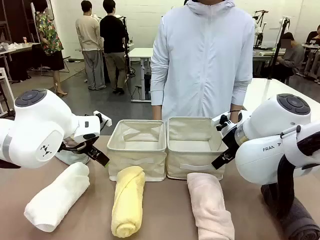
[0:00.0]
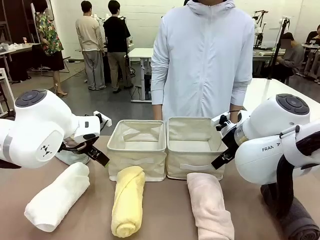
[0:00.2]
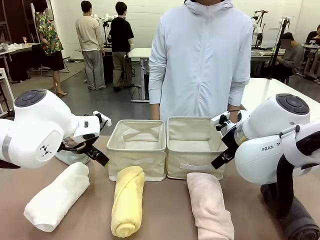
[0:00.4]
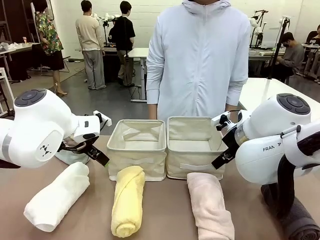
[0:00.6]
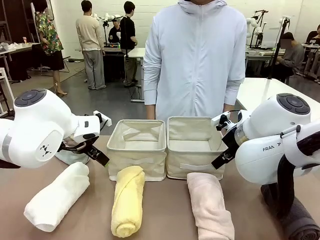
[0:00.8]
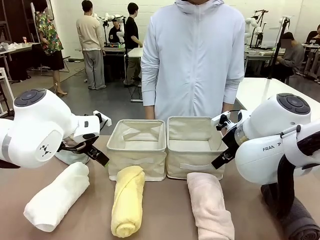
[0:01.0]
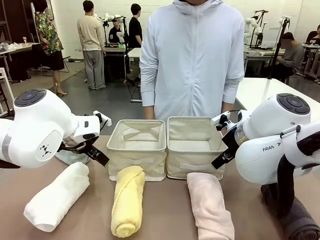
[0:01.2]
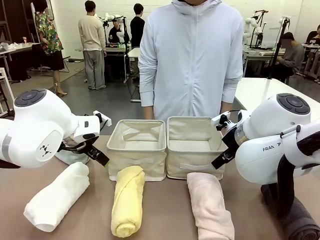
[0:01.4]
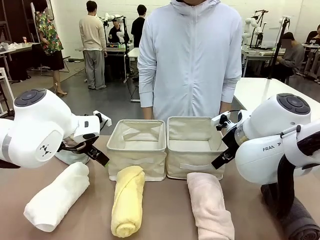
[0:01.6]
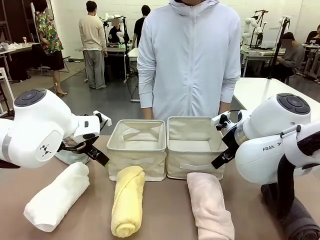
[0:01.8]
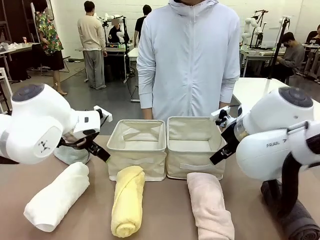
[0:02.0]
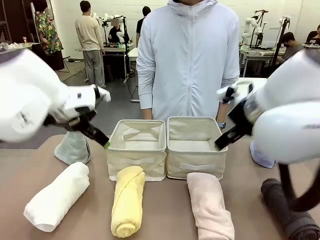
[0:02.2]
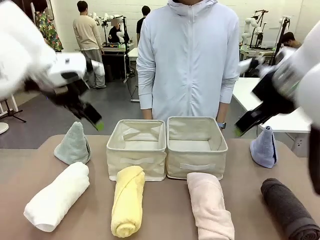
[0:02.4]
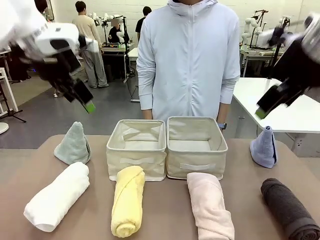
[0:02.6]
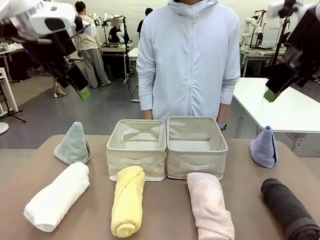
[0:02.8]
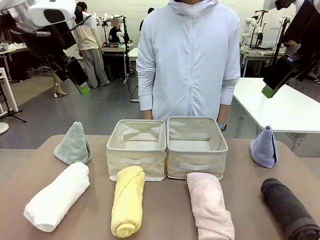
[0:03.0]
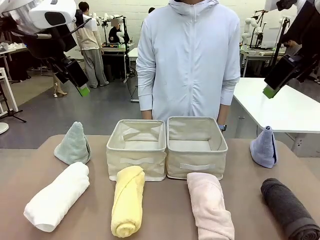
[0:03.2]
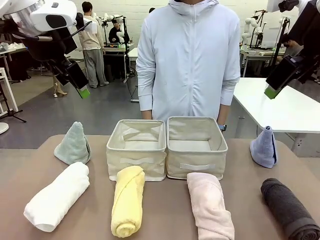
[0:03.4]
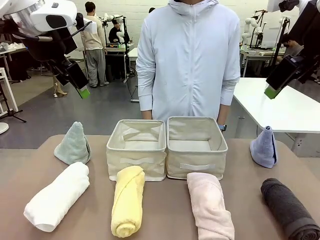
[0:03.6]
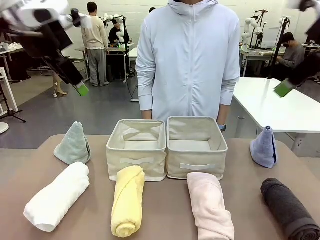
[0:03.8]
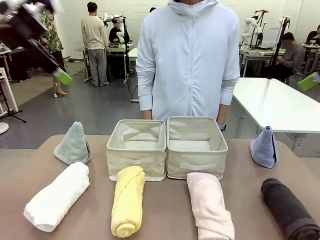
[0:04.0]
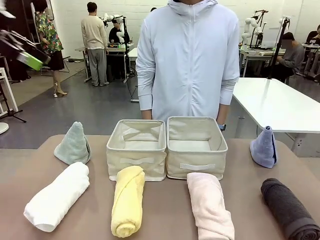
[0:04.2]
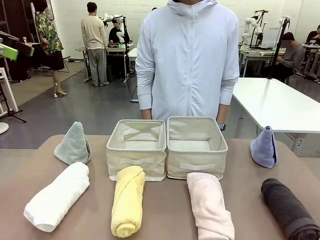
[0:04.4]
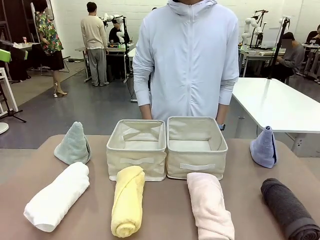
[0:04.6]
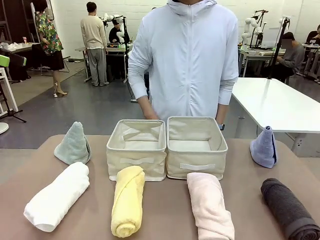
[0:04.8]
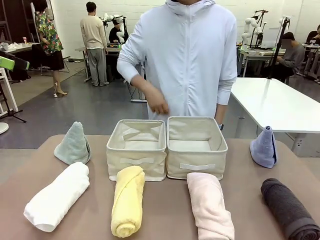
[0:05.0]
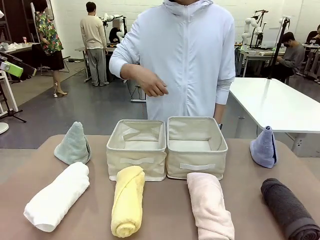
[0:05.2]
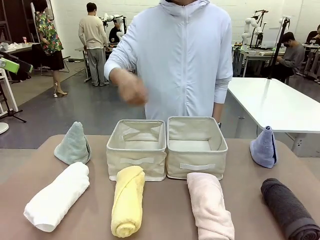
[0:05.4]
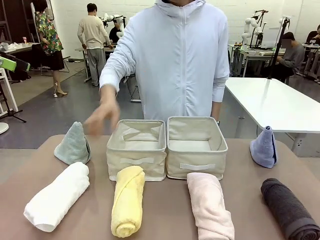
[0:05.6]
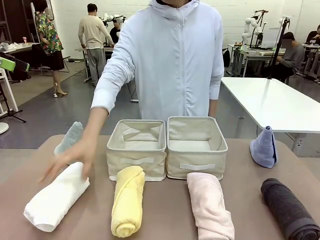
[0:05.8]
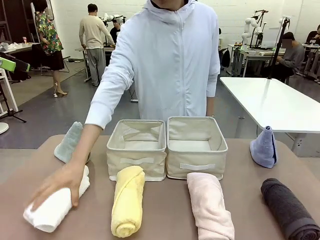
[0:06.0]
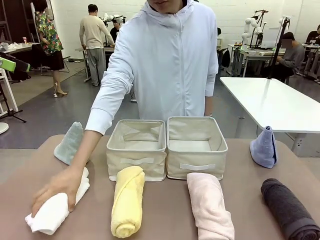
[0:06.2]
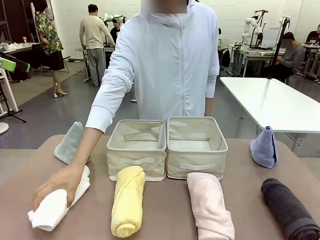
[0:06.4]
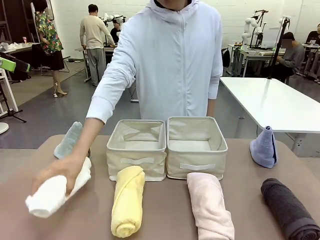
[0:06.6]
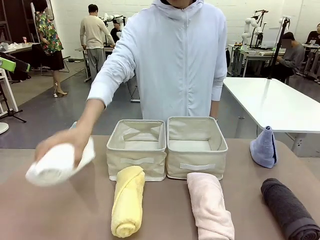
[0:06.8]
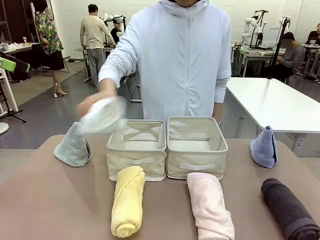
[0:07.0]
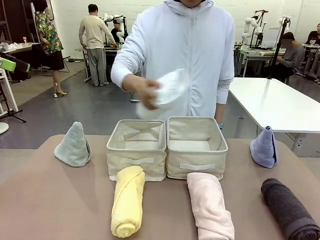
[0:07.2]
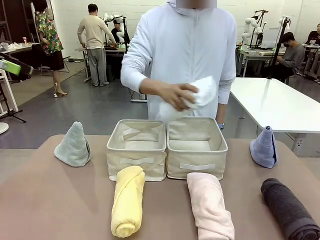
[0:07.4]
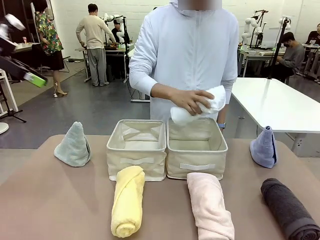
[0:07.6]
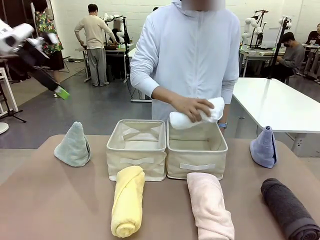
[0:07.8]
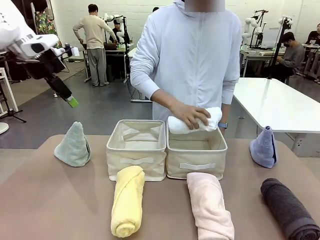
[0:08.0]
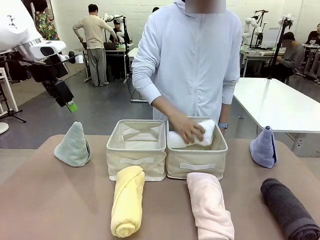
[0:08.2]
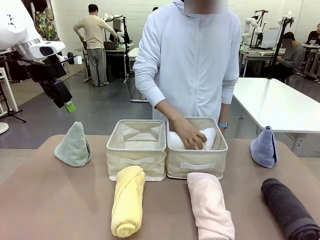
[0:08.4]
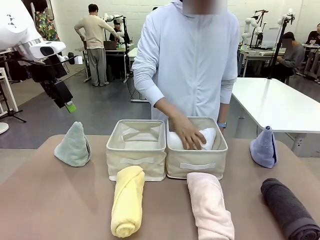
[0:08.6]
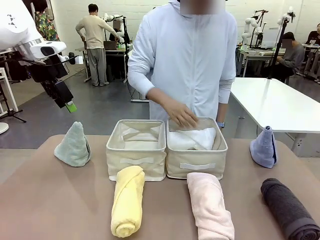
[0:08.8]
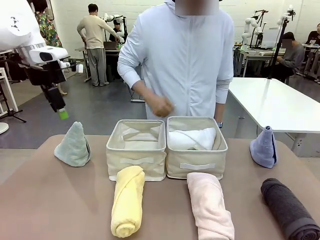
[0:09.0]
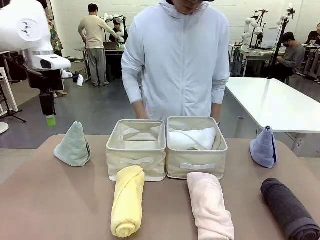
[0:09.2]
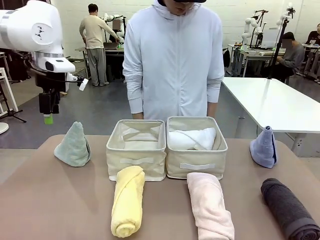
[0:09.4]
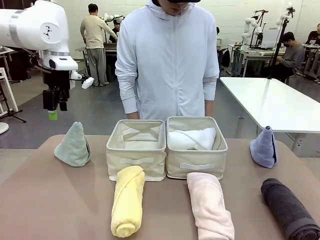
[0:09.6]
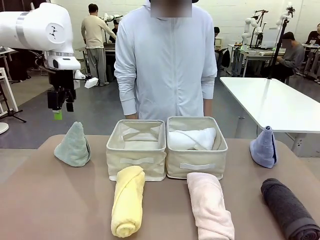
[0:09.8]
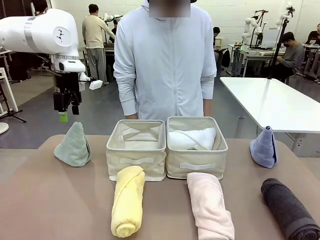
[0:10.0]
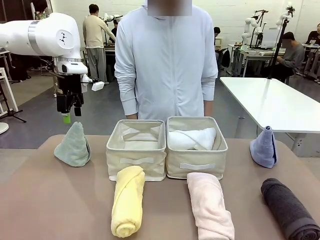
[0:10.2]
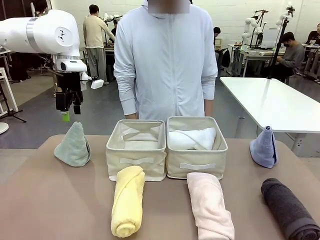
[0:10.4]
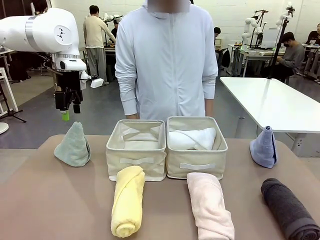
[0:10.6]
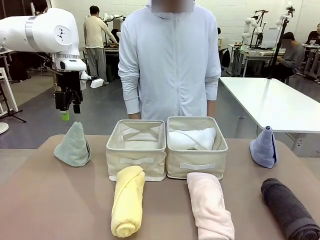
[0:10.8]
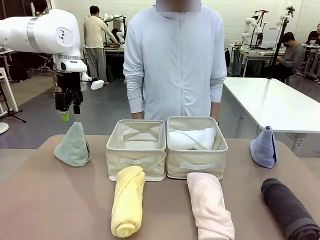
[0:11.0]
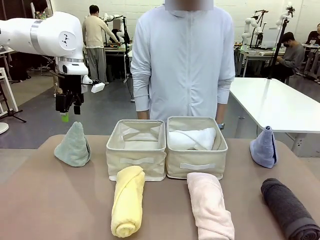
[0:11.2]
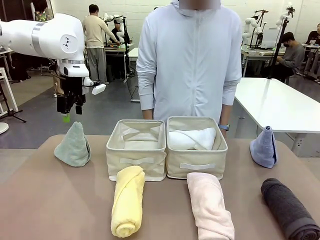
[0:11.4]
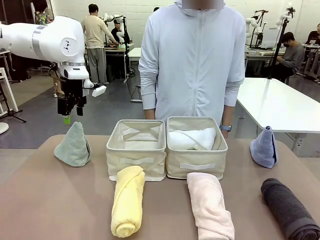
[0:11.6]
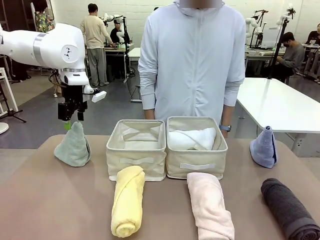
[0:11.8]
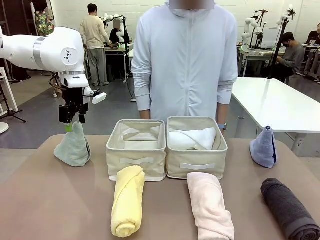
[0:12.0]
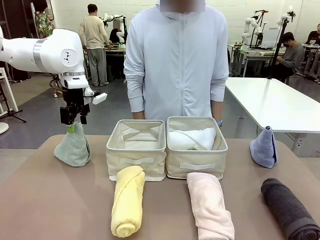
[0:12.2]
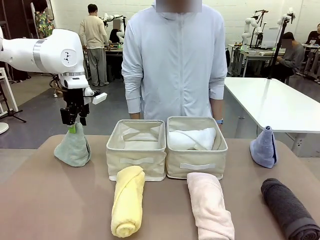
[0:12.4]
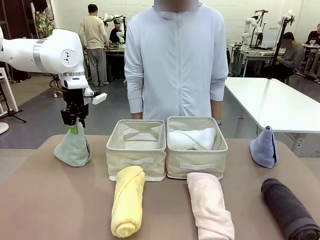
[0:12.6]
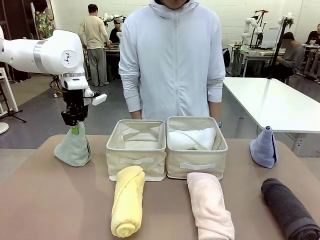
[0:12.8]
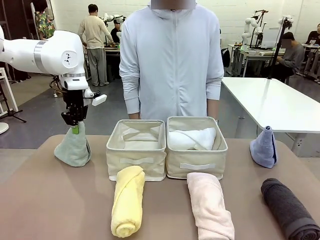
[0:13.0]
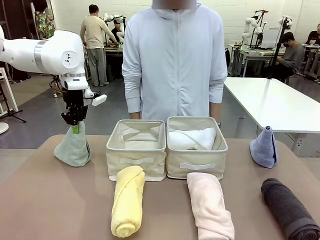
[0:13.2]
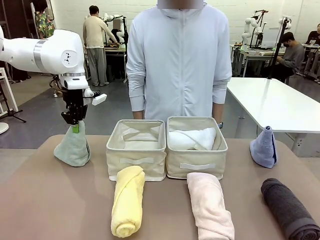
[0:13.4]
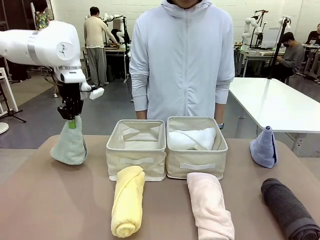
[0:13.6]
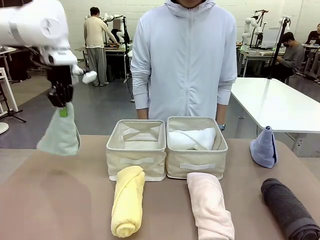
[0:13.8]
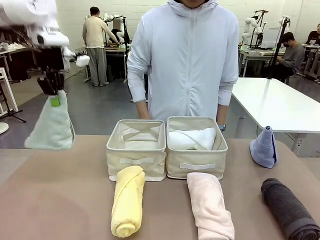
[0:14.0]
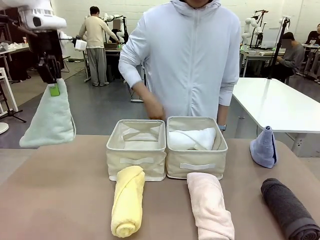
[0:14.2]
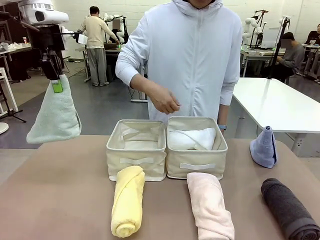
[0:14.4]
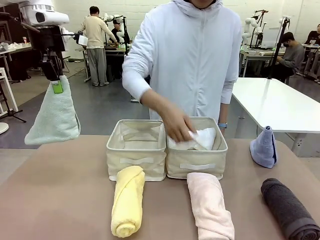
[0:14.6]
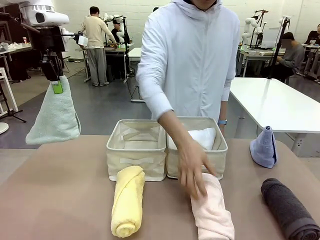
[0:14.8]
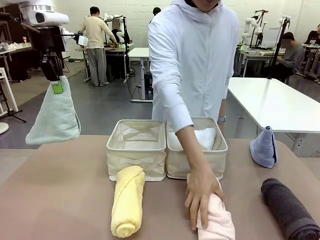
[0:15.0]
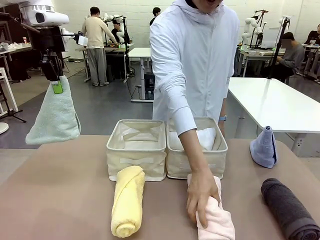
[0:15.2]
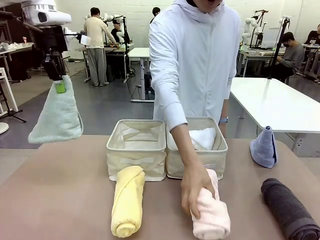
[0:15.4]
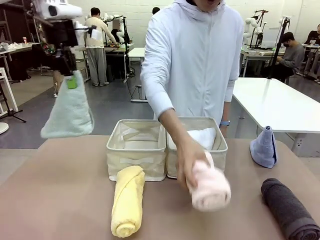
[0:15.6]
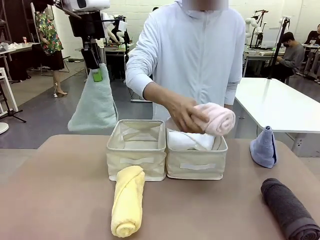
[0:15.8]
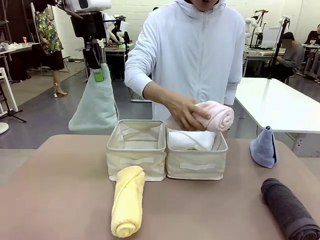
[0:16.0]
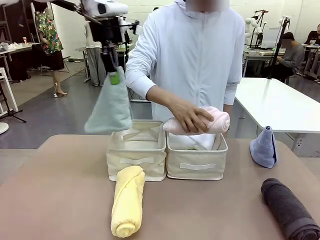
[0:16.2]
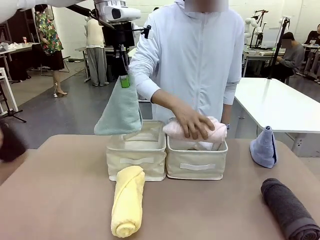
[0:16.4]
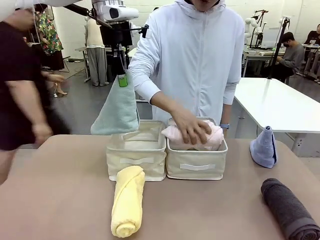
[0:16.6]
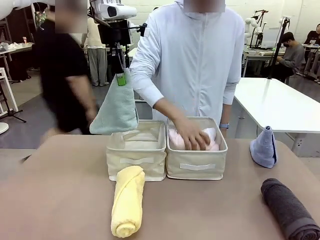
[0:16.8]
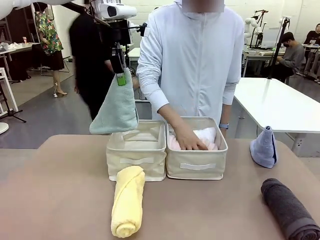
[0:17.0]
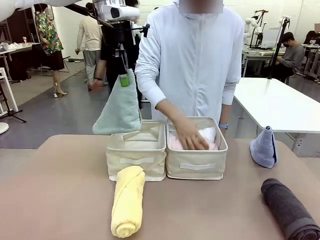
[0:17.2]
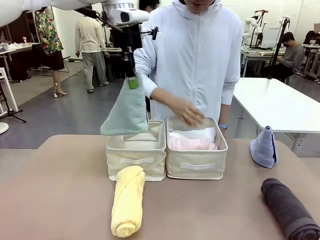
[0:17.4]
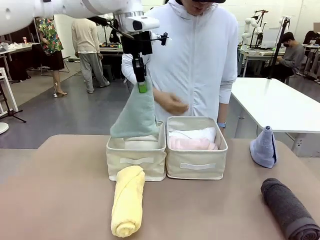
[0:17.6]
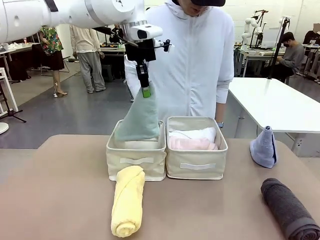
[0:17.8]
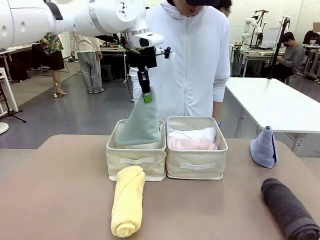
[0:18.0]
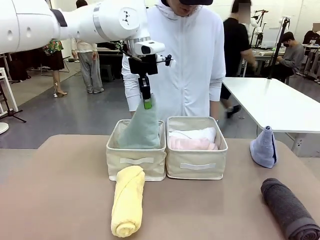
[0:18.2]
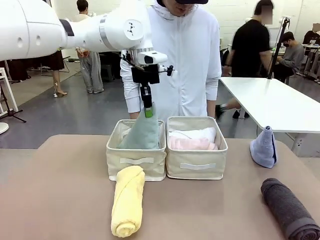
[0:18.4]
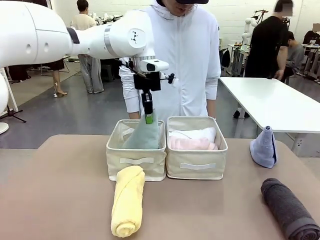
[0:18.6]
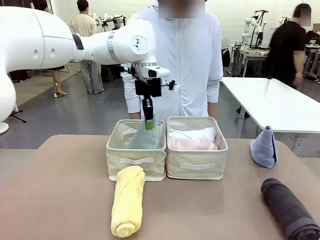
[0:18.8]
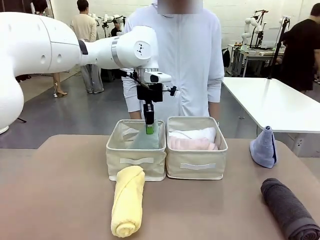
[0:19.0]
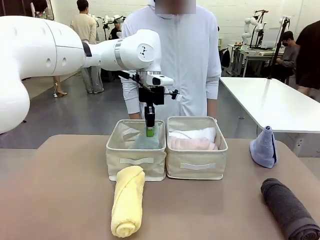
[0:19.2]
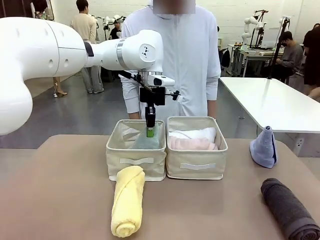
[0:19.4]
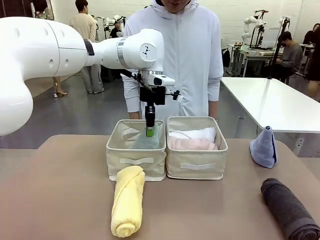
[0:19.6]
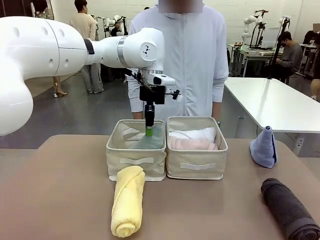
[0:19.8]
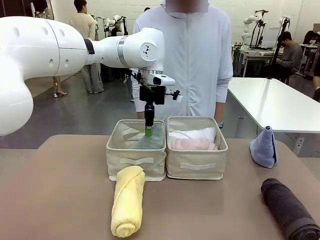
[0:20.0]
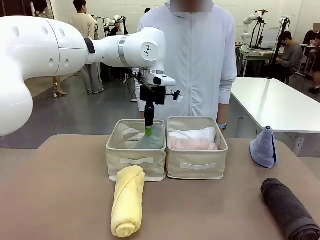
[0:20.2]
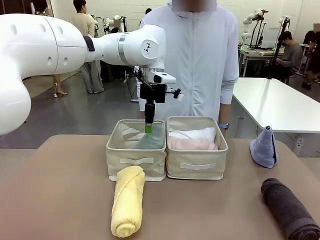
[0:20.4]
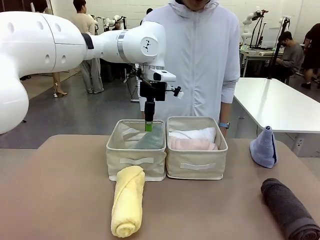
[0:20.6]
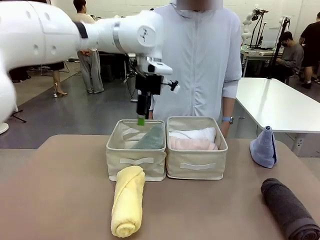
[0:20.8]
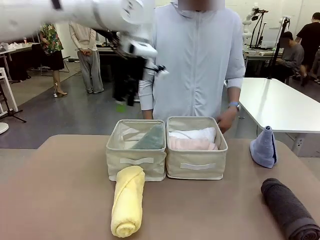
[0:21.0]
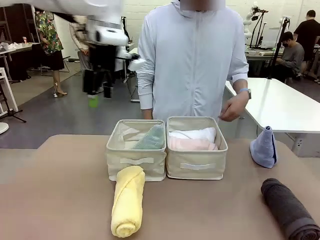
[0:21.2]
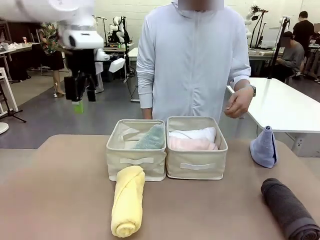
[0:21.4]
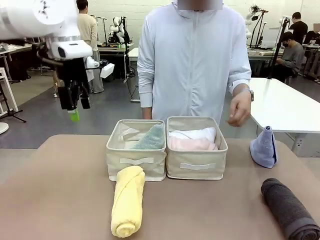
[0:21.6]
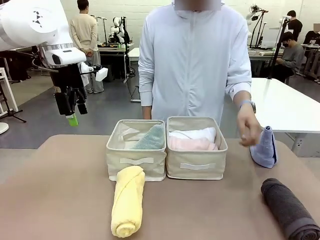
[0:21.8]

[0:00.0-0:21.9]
Task: Sort the towels based on their folding style.
Robot: Pick up one triangle-folded towel and place it in the left Fabric basket.
Person: Pick up one hotel-style rolled towel and place it in the left fabric basket.
